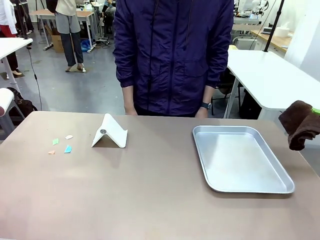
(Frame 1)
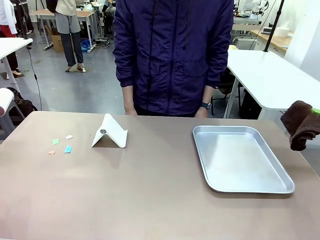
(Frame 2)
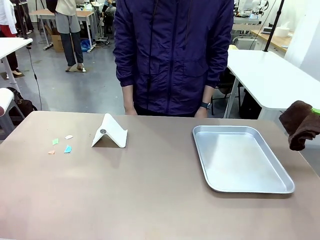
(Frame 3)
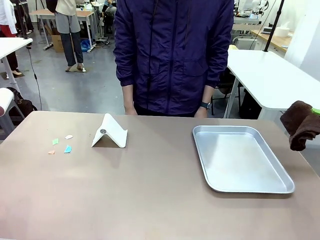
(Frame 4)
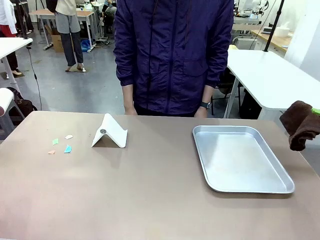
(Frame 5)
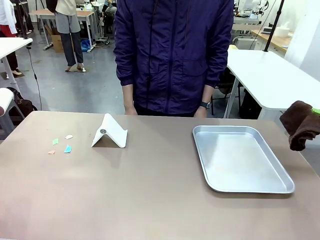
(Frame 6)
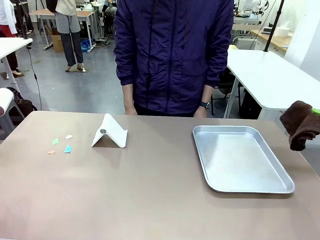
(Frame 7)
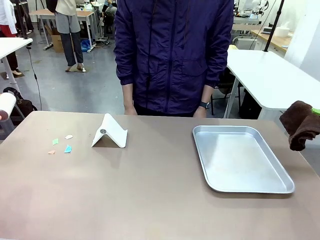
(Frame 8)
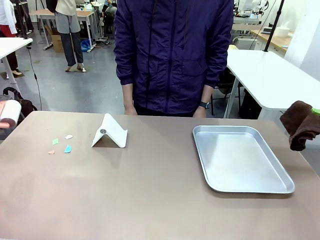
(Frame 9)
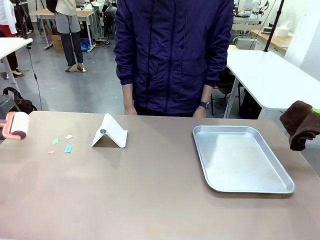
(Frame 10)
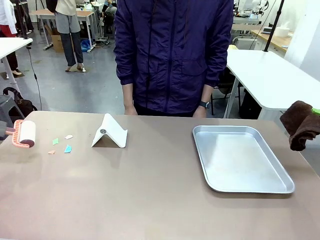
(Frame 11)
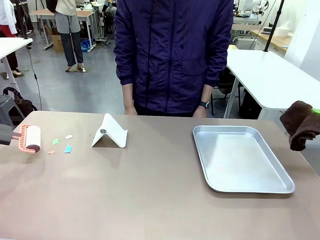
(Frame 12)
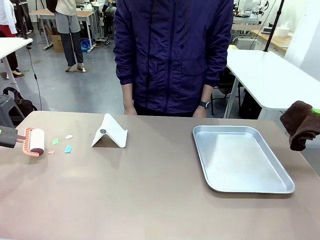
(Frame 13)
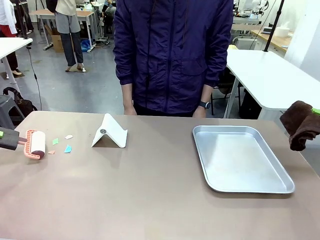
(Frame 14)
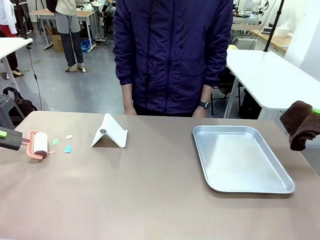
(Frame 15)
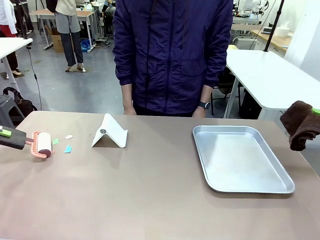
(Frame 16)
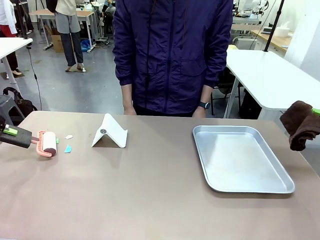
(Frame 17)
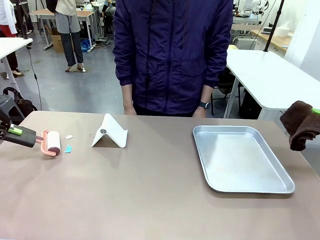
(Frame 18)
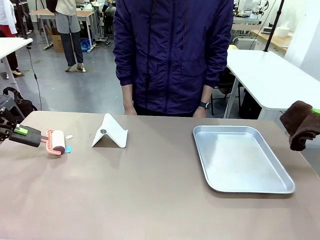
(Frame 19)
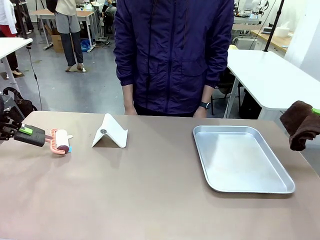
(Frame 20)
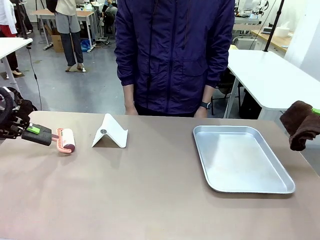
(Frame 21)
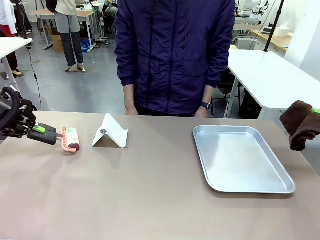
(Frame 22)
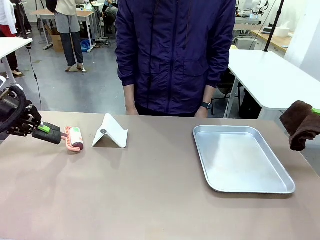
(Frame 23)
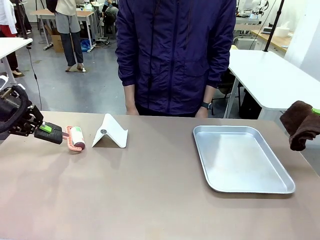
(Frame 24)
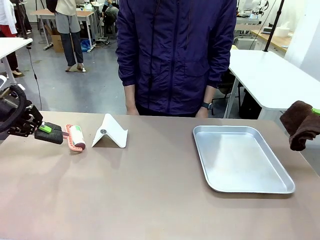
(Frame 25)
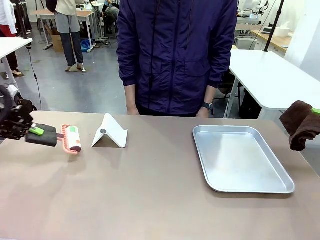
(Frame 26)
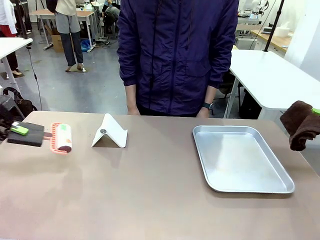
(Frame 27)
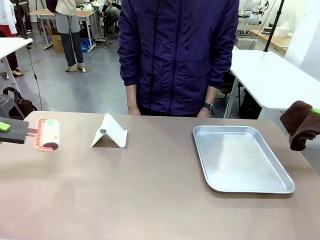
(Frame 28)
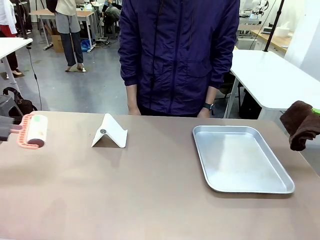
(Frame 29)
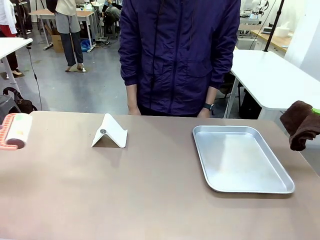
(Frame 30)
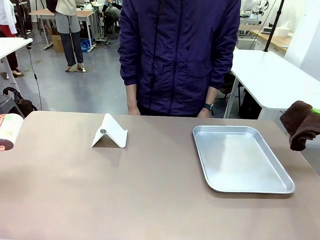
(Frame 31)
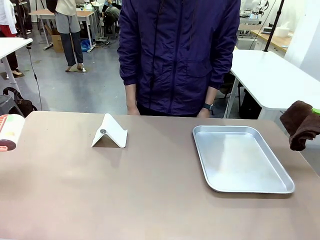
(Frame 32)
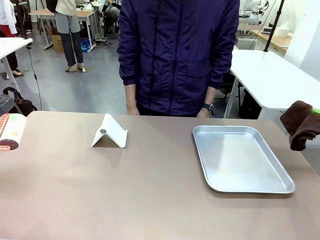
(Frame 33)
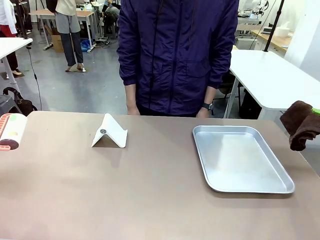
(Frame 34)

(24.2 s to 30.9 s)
Task: Clean the surface of the table.
Robot: Clean the area not pointed to by the person.

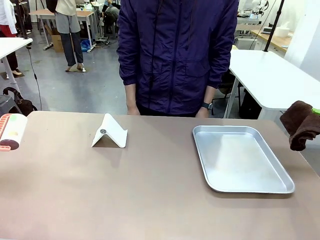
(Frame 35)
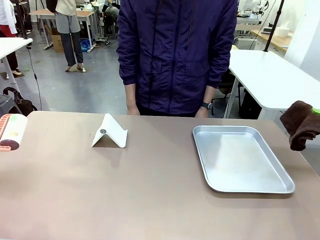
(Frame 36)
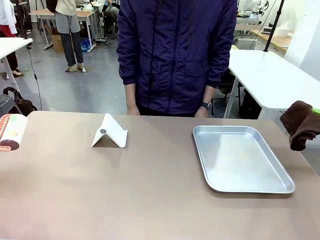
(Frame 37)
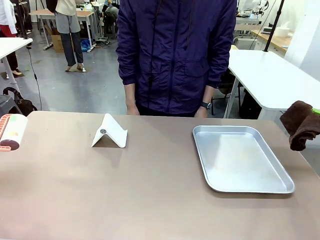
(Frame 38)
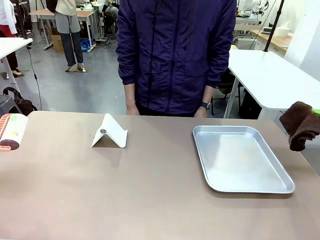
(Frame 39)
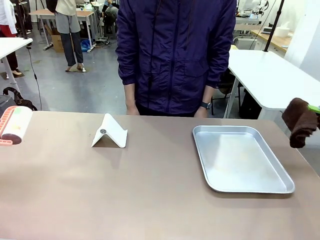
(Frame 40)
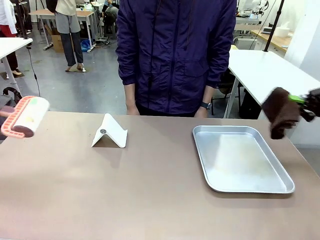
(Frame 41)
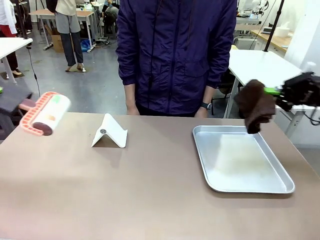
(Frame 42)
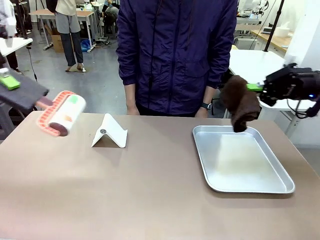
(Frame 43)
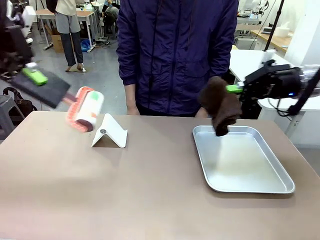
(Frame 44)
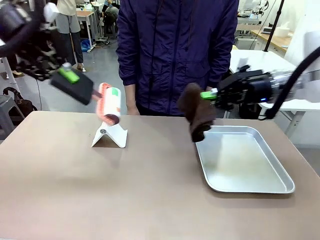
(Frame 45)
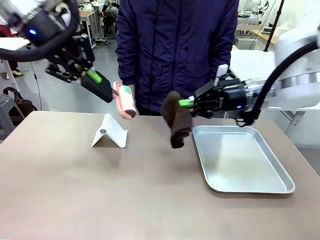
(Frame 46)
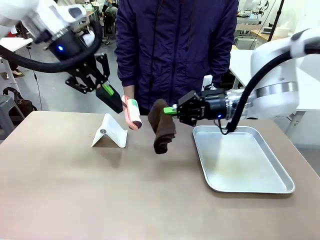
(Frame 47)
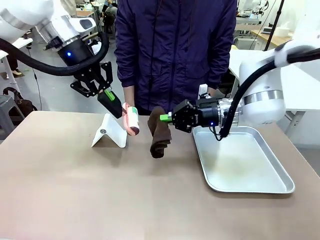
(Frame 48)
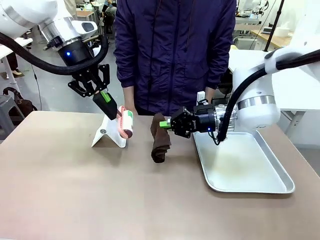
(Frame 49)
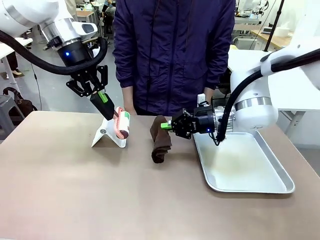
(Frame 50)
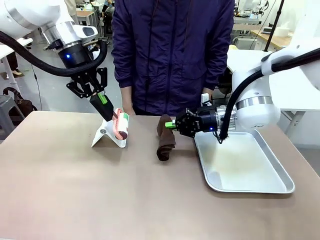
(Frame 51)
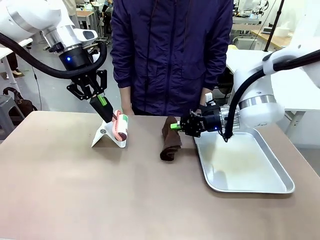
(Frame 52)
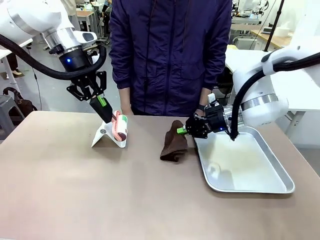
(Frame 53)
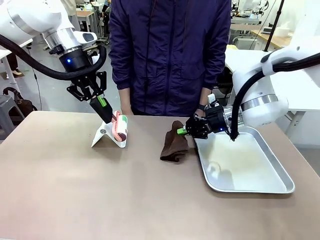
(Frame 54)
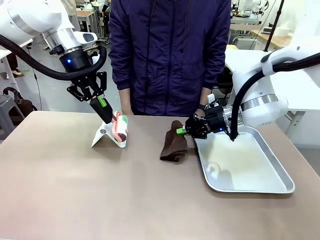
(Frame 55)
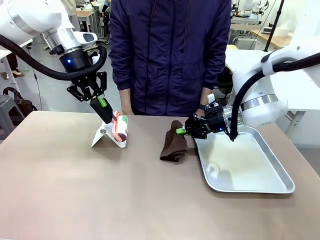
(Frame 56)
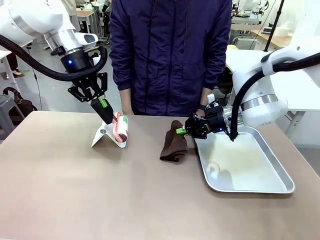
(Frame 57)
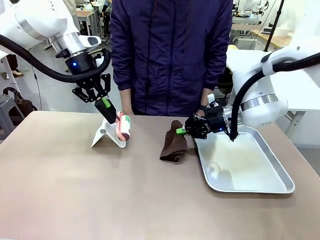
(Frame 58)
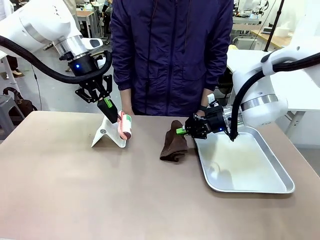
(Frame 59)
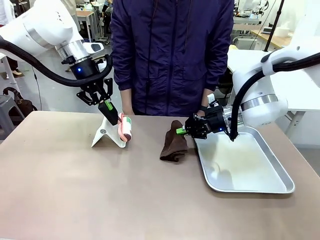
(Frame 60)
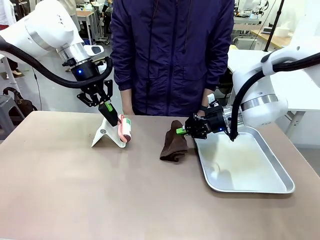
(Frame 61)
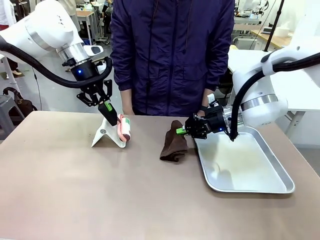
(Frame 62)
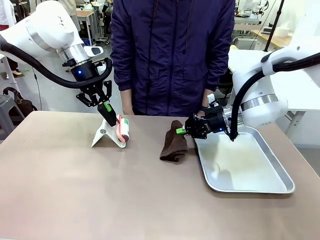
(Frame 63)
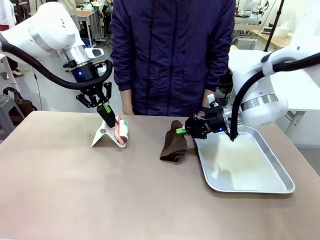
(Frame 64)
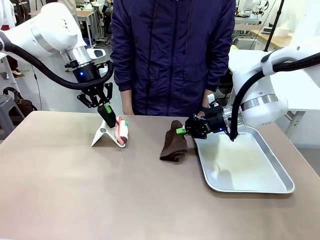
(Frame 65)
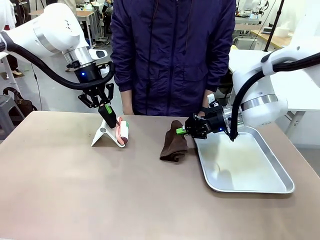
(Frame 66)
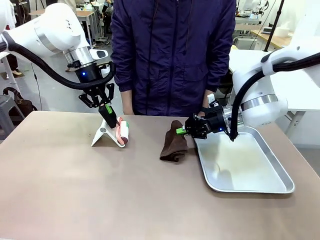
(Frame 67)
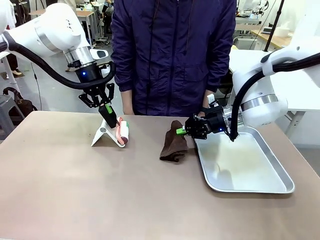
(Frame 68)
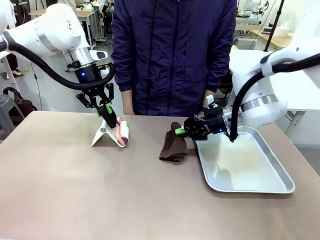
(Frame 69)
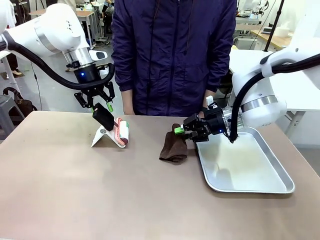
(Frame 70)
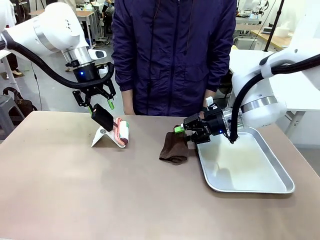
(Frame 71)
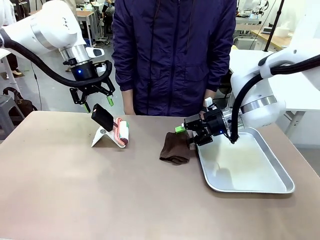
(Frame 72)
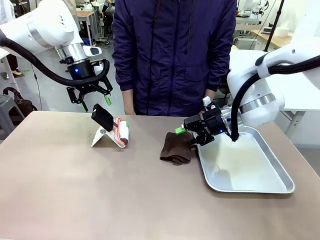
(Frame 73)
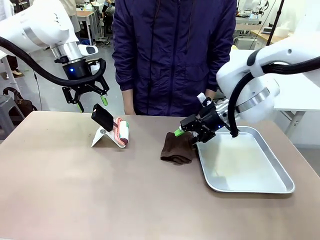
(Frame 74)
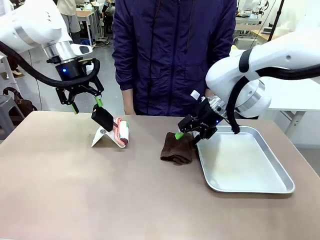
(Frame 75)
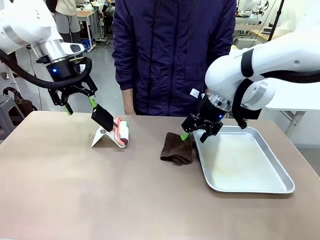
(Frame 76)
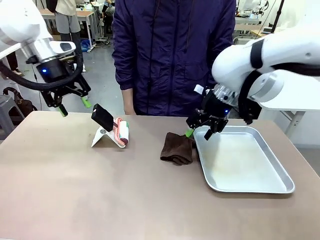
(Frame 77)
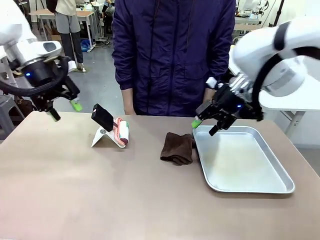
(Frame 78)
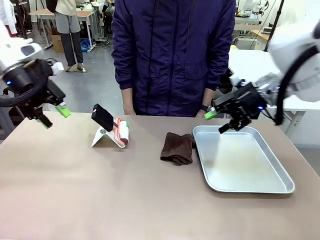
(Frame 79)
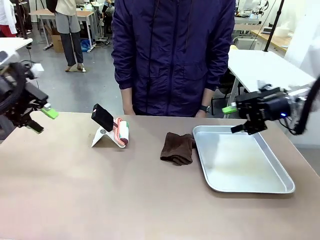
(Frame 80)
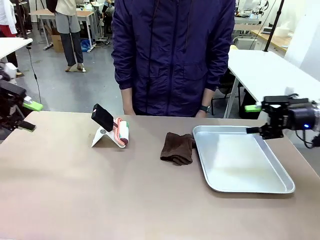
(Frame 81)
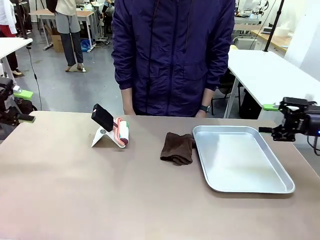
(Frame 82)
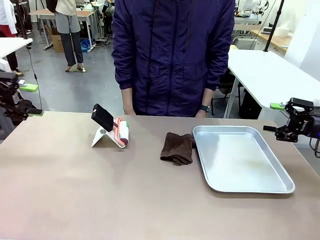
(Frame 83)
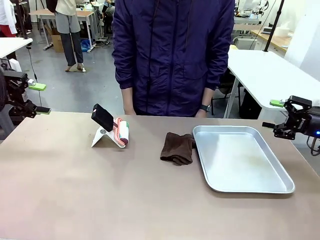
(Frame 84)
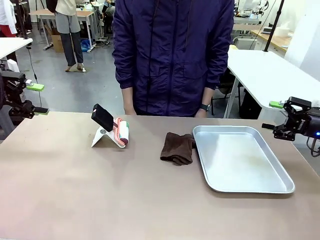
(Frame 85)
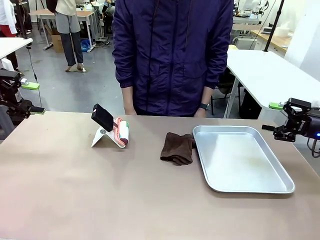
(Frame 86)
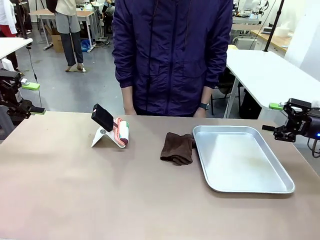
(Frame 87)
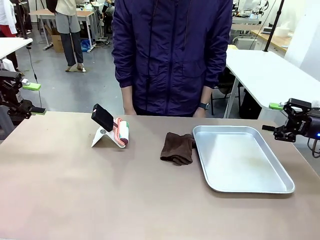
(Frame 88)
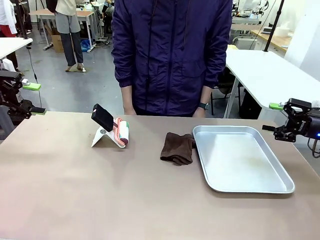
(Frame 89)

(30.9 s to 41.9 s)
Robot: Return the Lint Roller and towel to their original positions.
